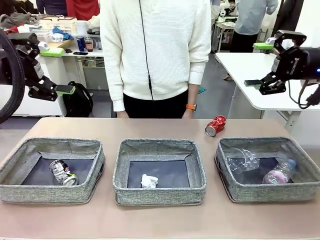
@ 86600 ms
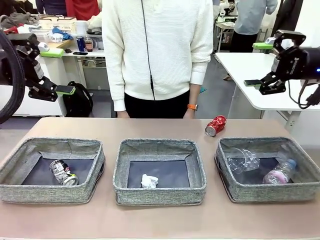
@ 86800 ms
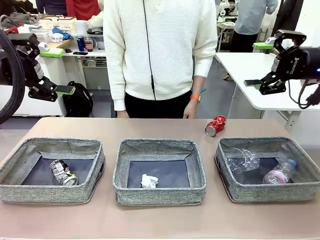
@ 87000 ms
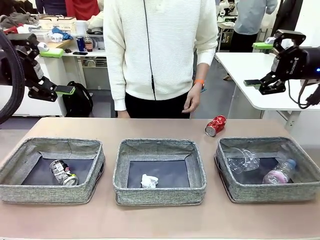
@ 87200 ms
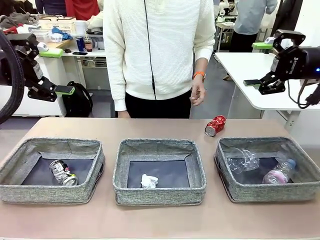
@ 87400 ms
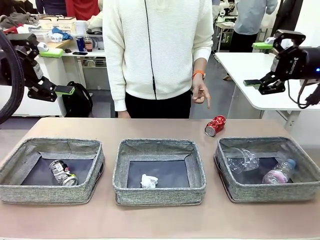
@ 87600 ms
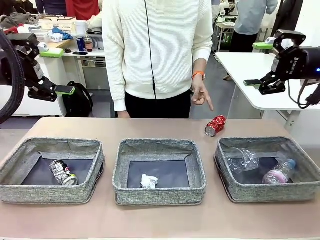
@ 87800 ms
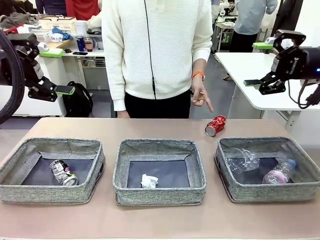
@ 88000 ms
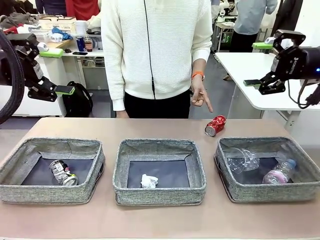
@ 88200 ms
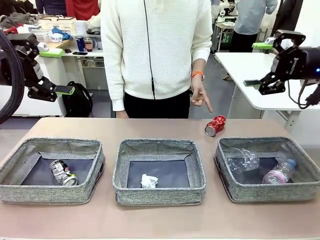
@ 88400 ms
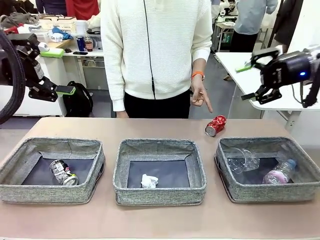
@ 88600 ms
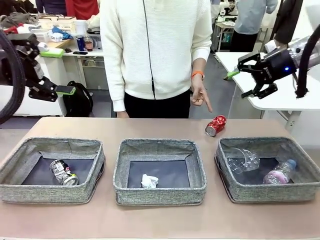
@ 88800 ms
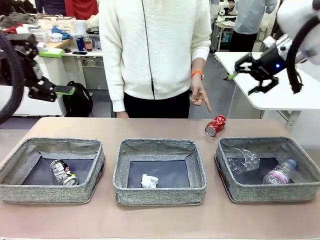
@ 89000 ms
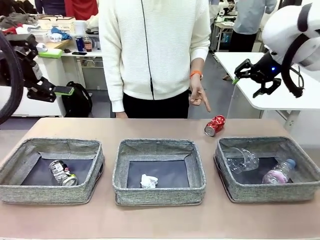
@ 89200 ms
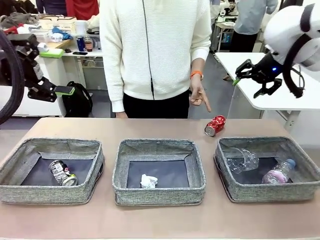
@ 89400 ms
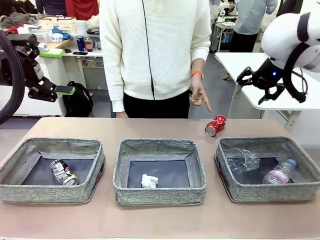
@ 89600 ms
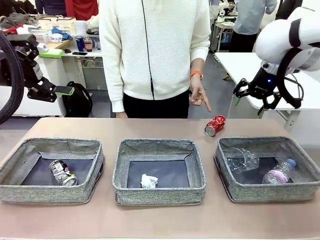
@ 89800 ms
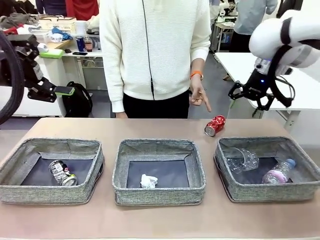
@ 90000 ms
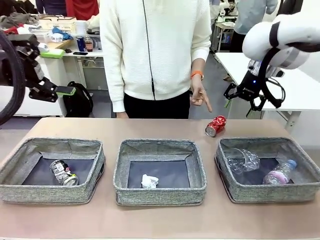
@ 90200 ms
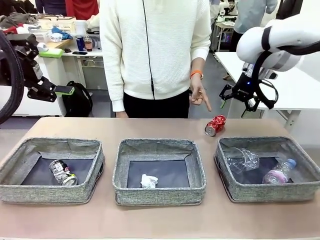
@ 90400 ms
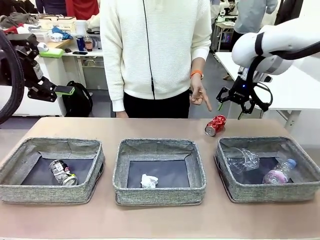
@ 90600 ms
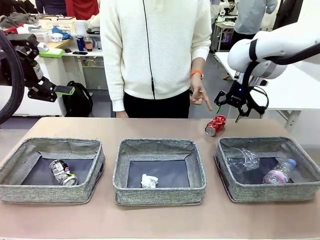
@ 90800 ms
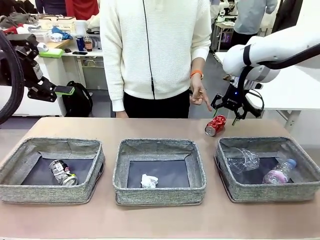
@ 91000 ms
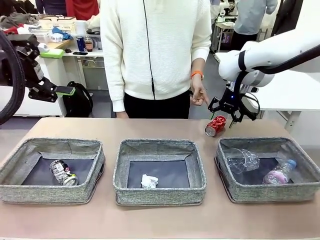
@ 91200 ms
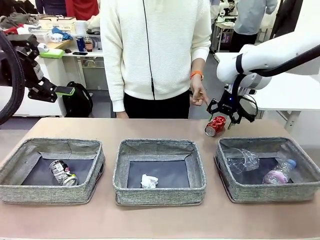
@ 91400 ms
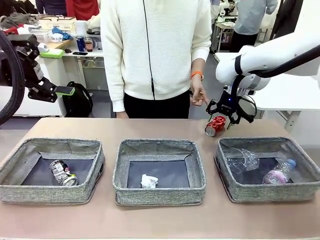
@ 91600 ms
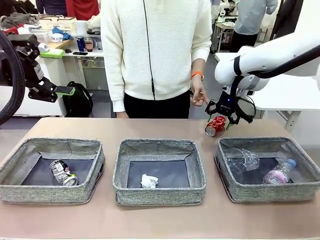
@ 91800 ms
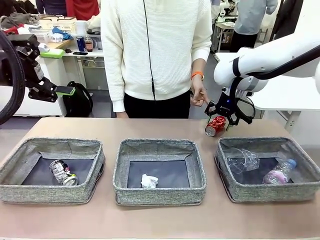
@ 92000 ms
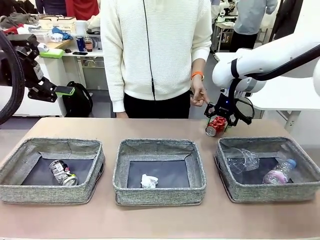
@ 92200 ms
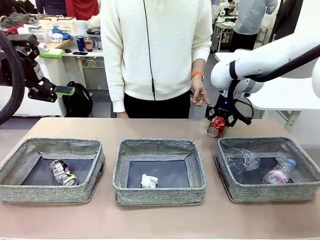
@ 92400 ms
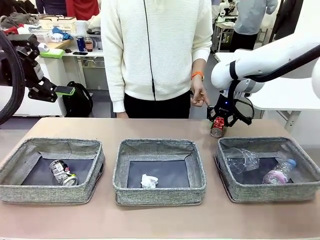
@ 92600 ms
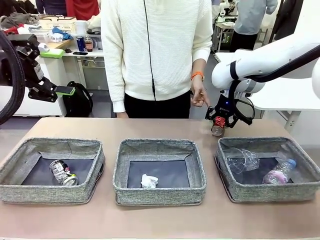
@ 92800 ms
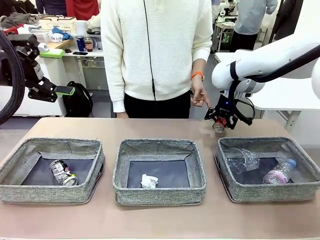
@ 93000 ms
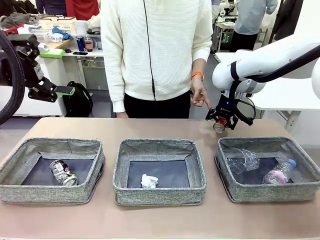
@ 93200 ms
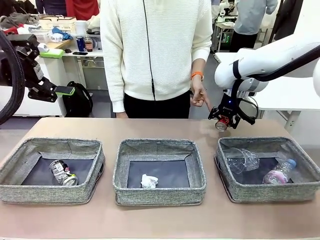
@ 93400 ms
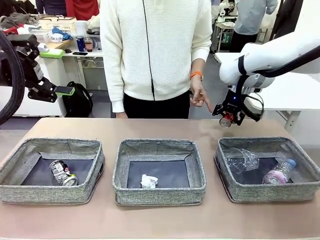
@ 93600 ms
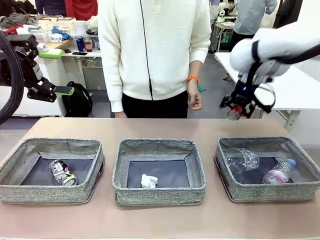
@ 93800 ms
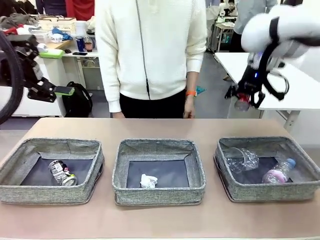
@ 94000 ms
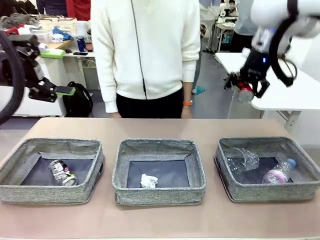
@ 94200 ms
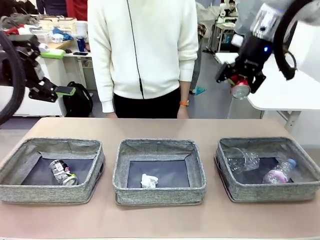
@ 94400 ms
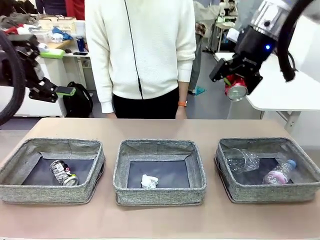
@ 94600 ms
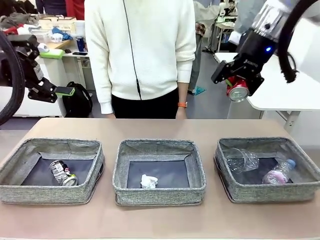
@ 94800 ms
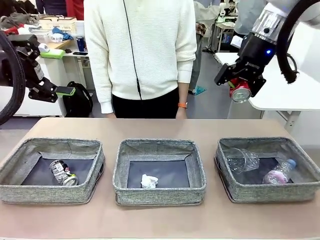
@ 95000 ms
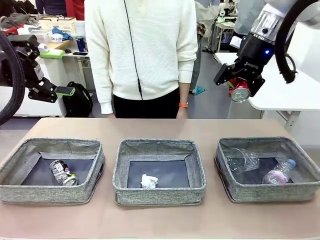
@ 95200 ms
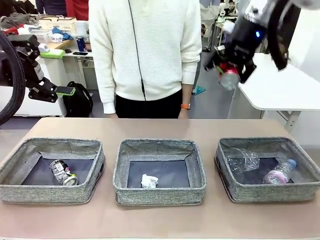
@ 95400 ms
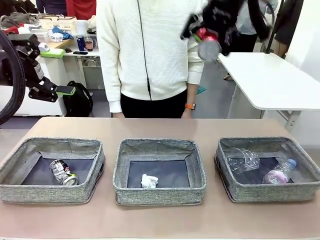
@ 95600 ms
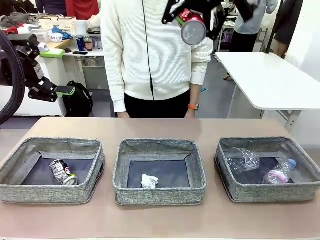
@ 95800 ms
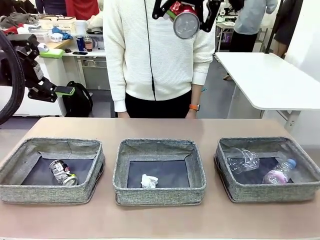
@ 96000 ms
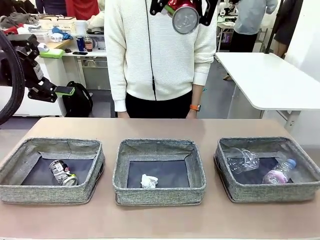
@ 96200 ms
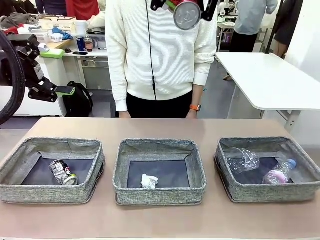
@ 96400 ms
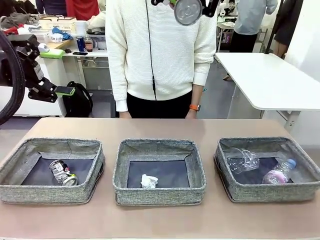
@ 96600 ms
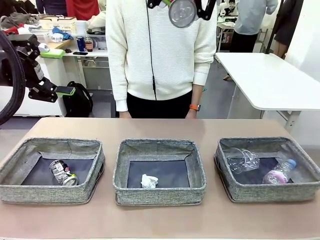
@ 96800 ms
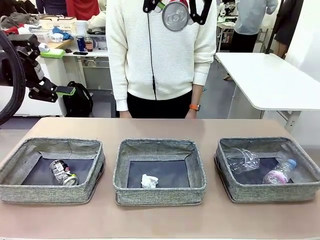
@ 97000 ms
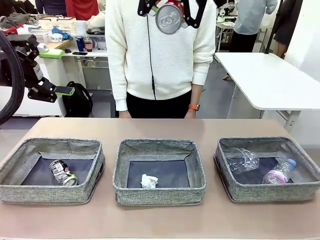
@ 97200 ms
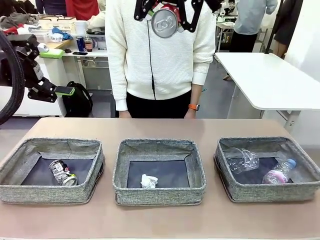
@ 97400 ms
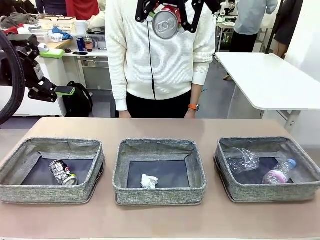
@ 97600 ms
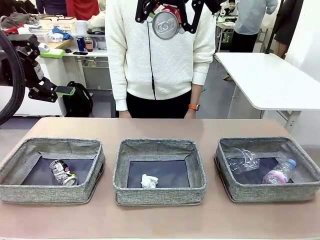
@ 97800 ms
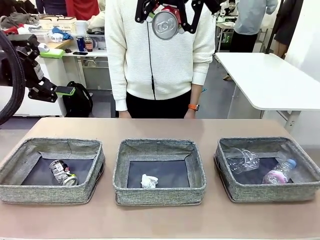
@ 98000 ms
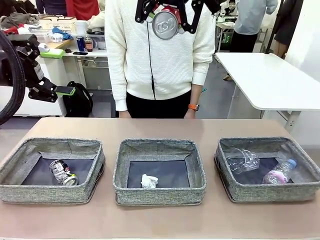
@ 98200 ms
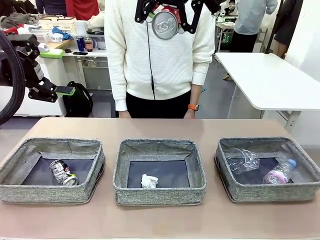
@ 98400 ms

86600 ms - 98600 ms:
Task: Sort the waste into the appropriate baskets.
Robot: Pick up the waste item pointed out by the person.
Person: Points to one piece of trash on the table.

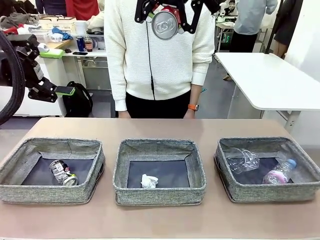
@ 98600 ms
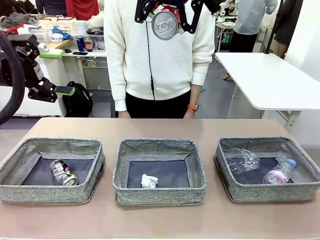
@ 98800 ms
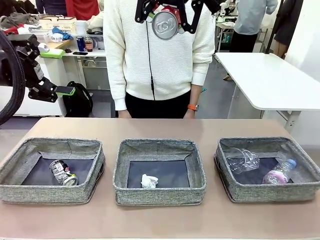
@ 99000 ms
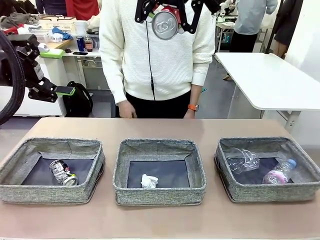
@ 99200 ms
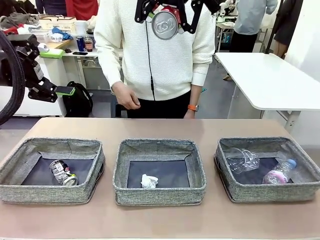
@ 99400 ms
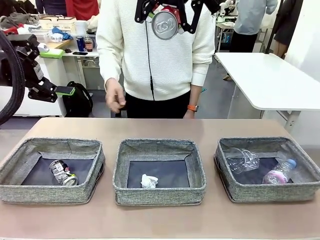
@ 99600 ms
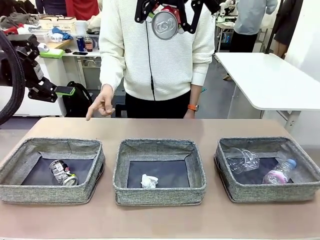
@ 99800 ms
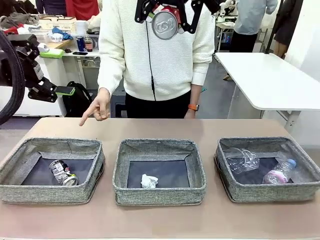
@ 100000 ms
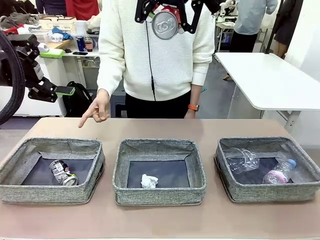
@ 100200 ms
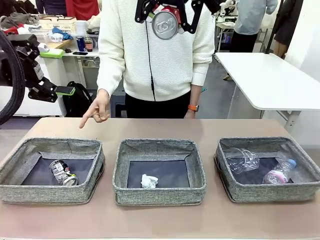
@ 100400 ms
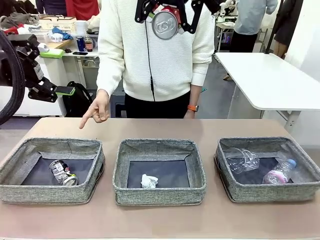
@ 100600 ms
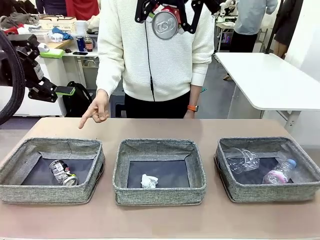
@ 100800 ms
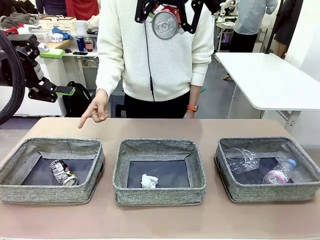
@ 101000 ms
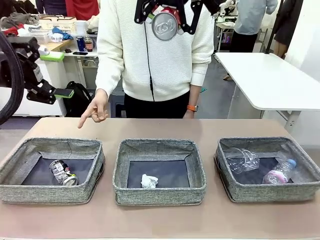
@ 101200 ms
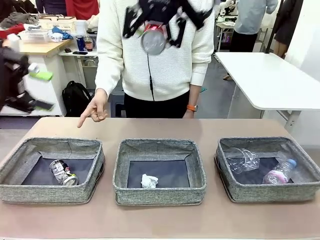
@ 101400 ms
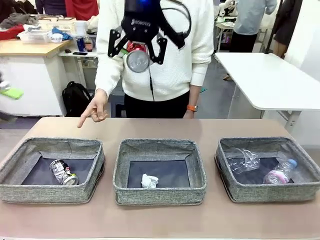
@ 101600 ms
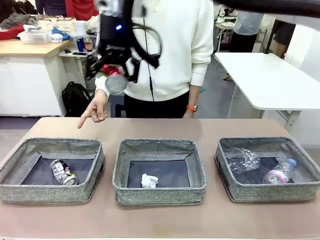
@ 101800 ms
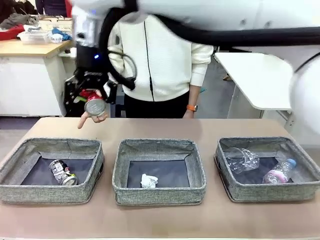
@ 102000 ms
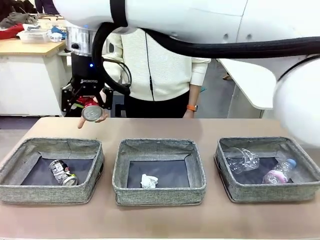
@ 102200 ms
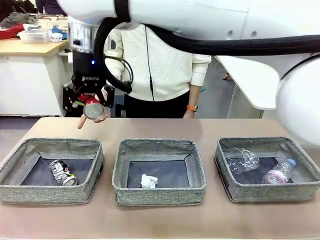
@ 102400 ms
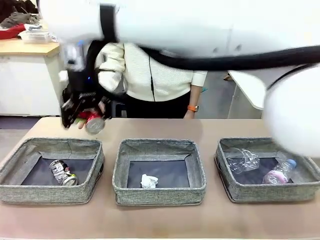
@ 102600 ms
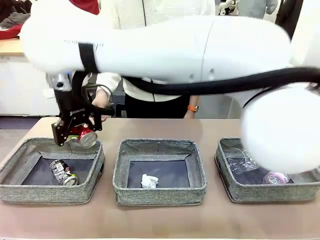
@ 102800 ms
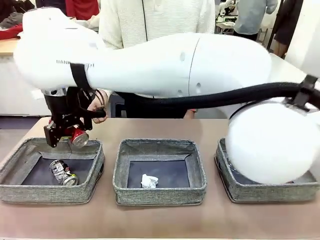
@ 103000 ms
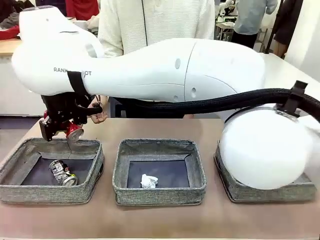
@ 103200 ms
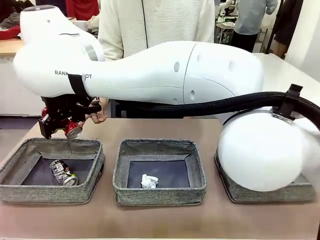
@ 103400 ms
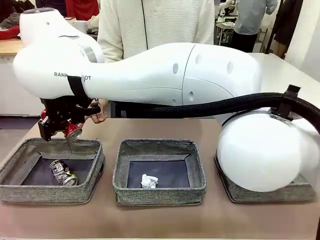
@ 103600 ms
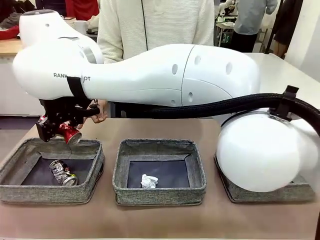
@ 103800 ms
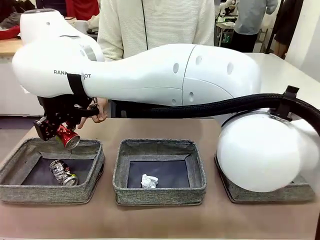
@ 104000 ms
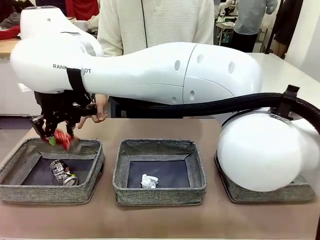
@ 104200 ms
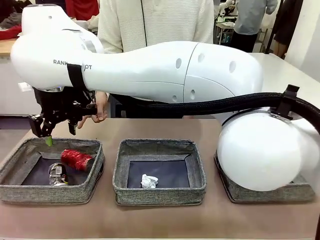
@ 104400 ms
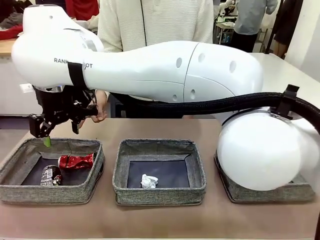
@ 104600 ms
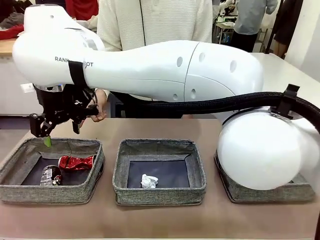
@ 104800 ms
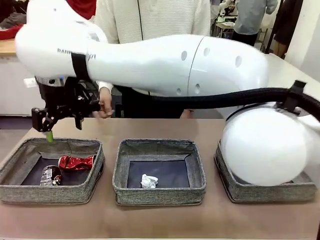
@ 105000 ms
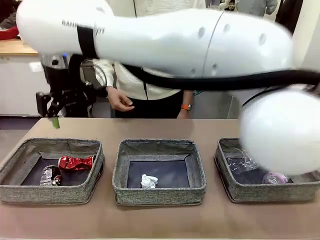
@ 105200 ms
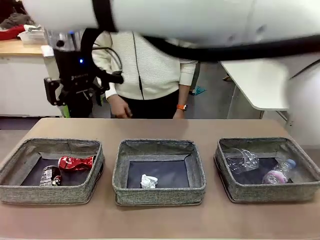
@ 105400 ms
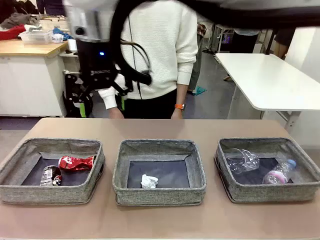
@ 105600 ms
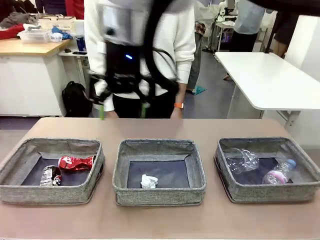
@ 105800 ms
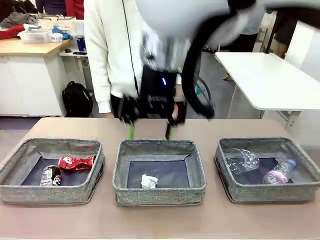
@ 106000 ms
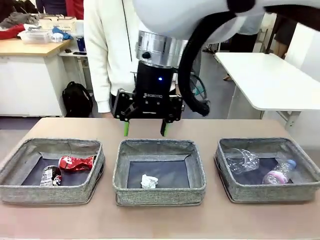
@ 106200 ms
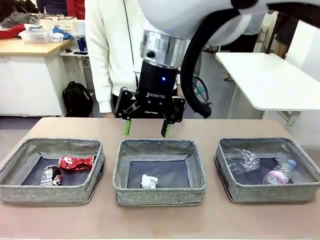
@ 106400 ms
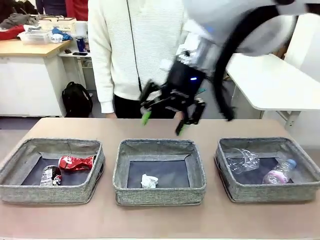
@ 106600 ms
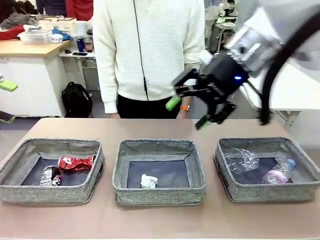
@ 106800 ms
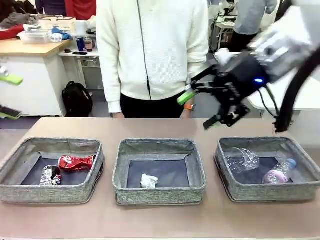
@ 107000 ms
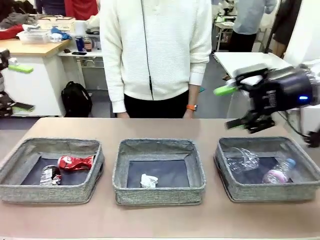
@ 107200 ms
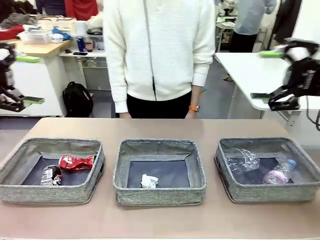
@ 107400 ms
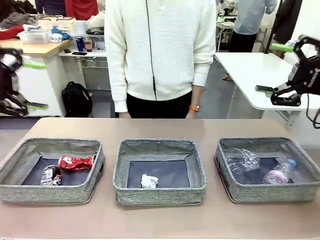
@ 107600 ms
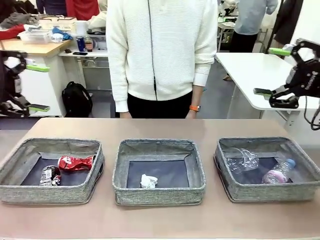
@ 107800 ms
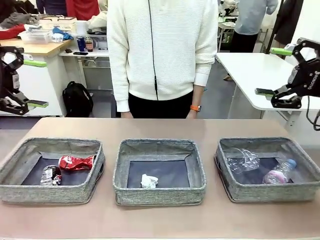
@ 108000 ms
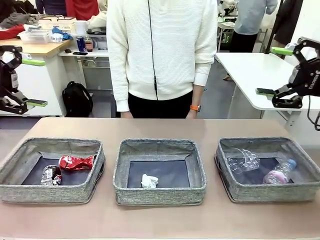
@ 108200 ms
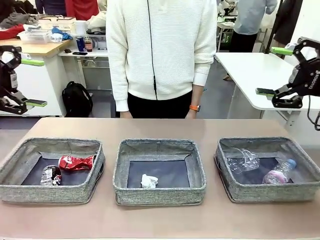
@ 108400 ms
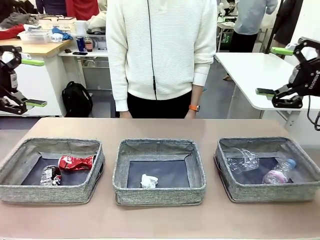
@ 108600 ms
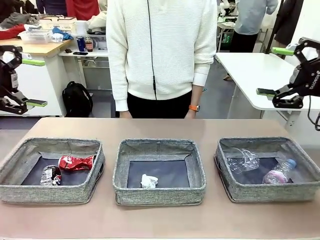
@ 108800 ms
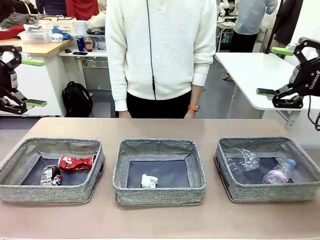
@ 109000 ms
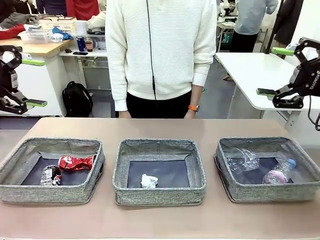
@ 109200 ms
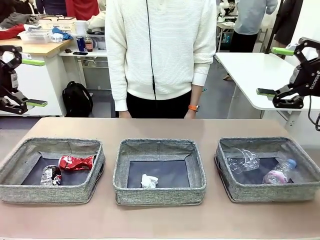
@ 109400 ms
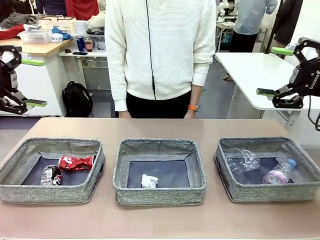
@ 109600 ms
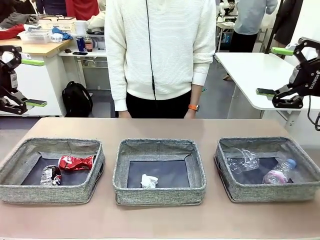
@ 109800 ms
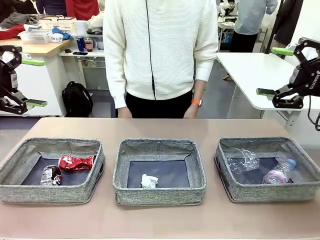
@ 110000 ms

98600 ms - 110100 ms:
Robot: Place the picked waste into the Fabric basket indicated by the person.
Person: Instructs the robot to place the picked-up trash into the appropriate organizing basket.
